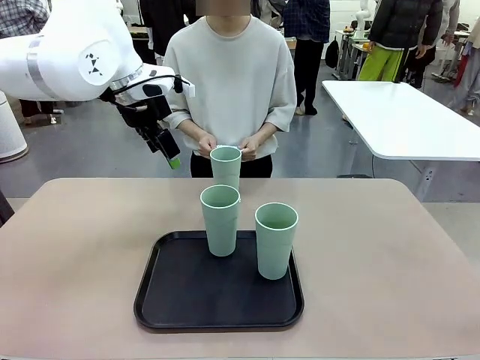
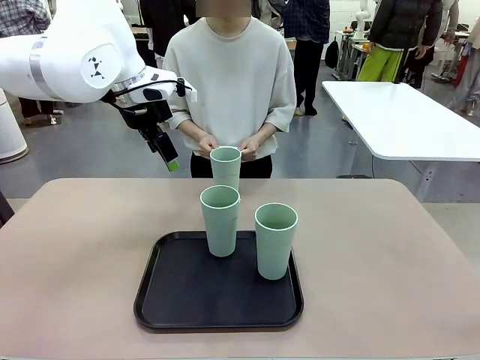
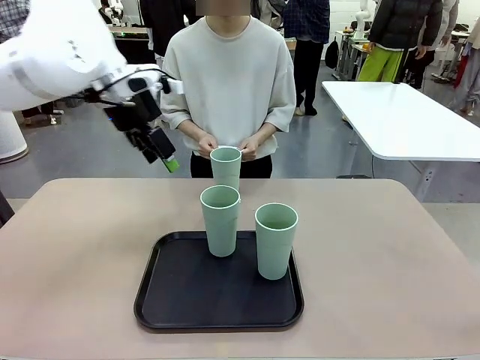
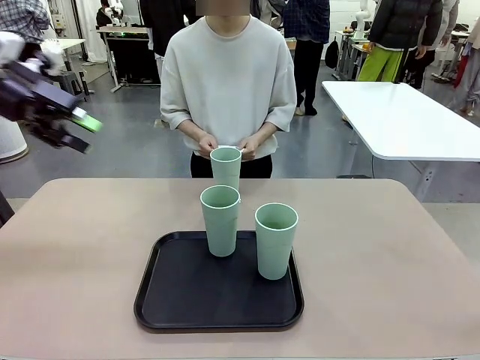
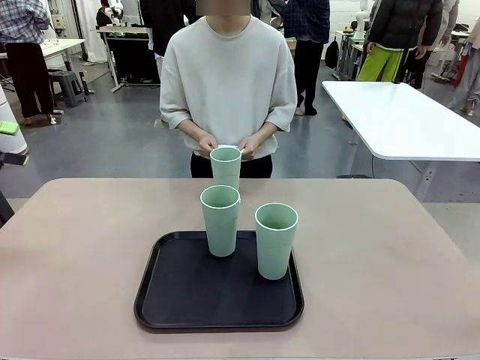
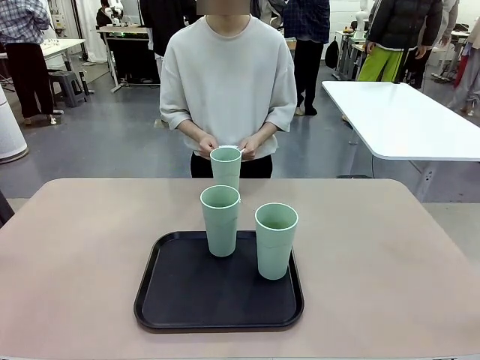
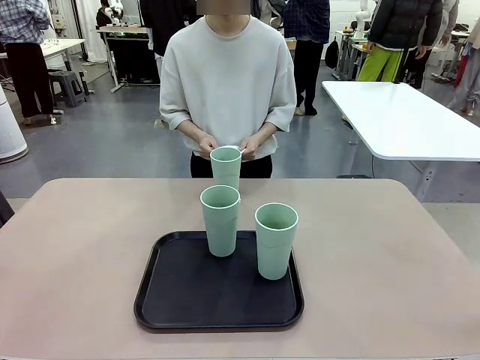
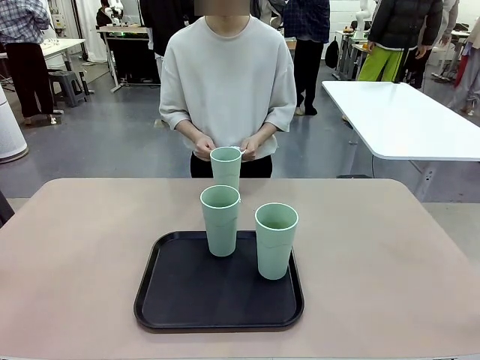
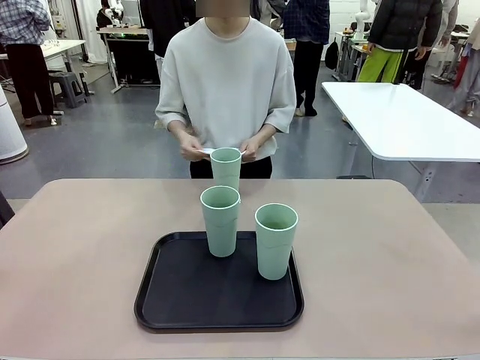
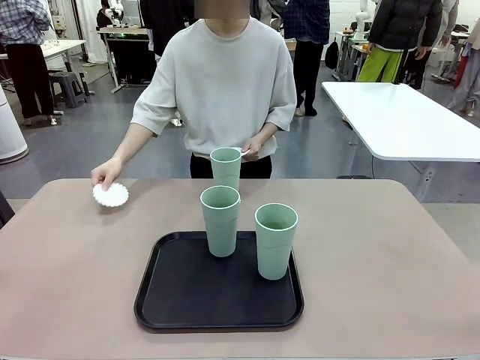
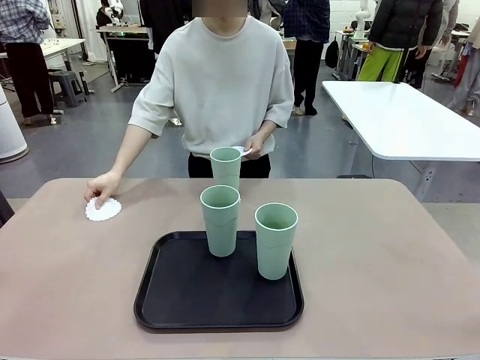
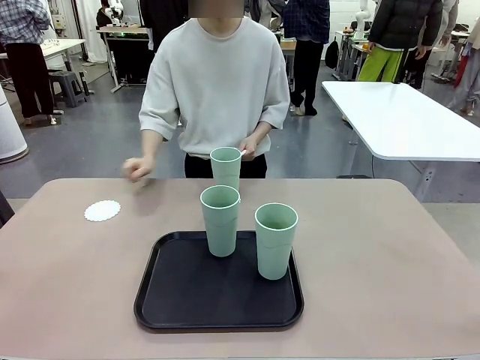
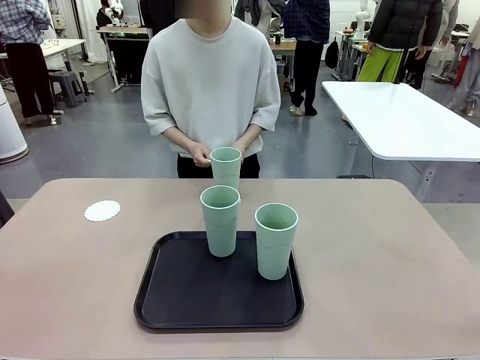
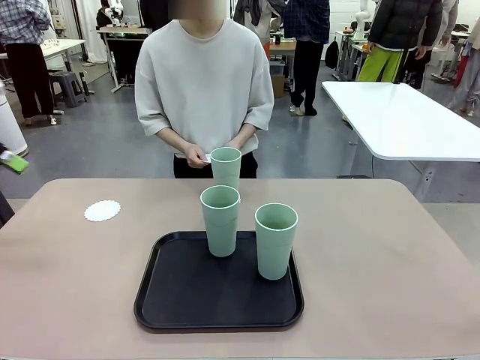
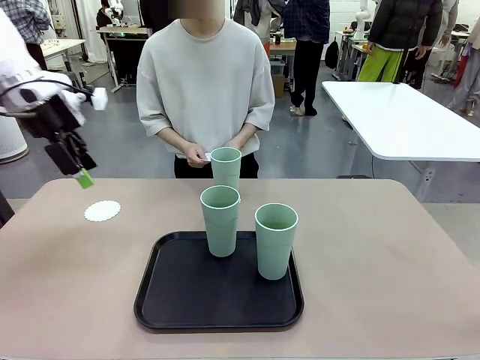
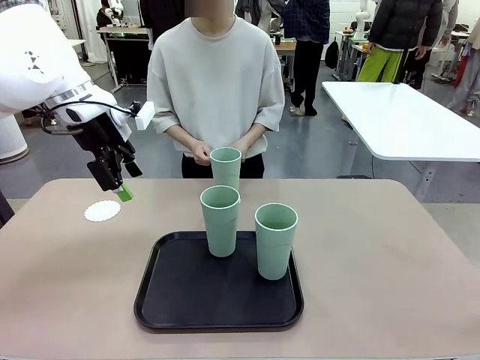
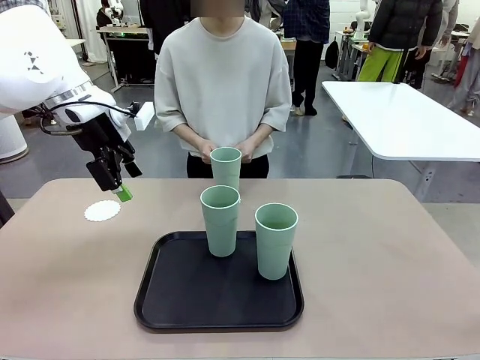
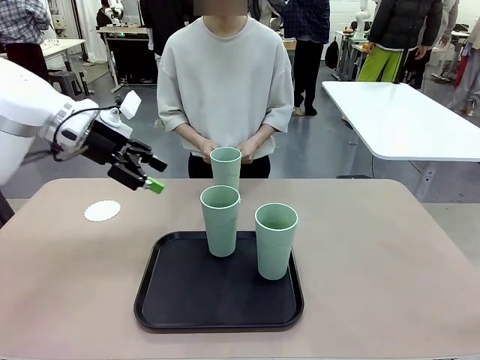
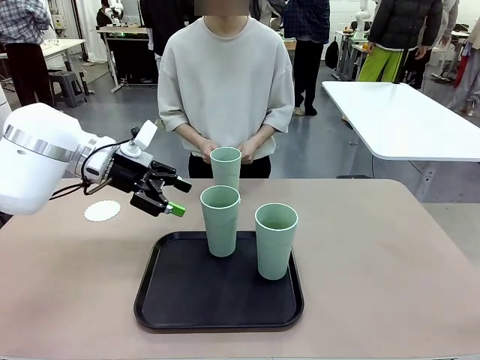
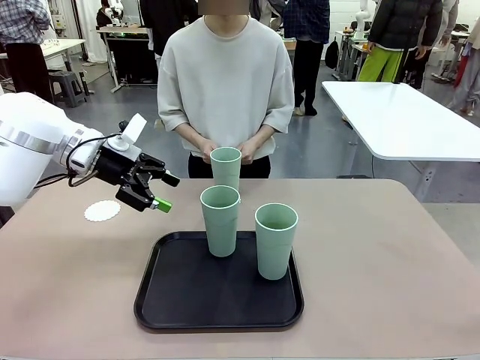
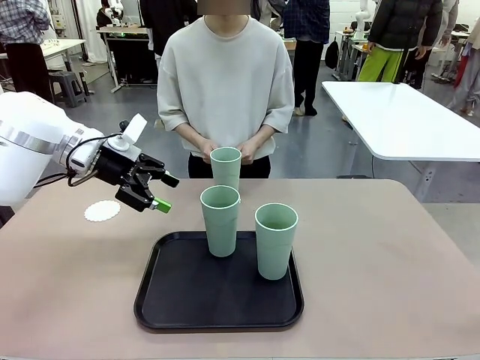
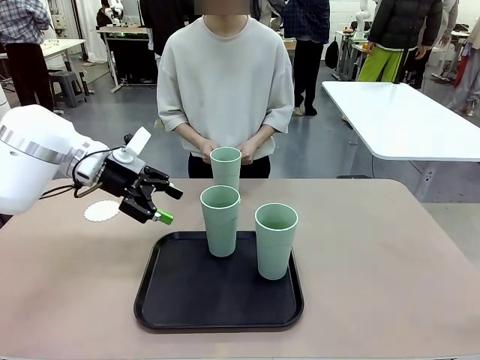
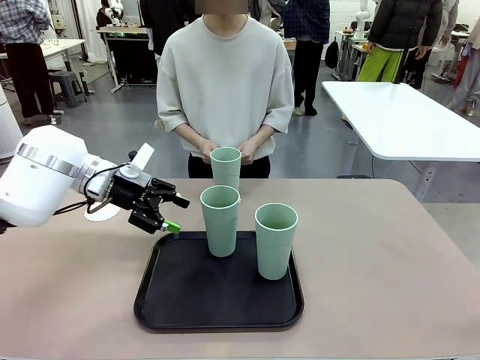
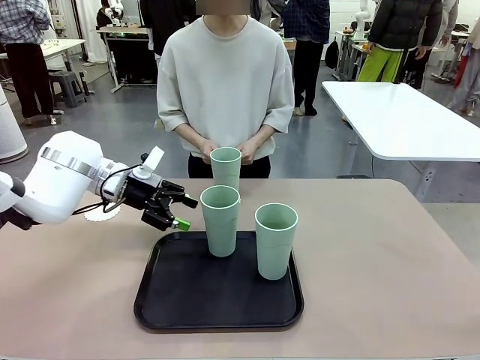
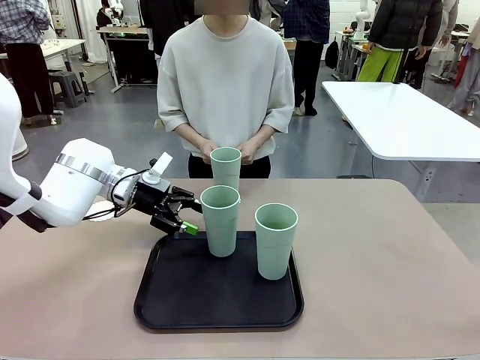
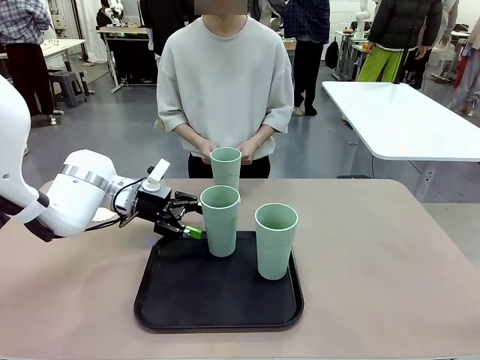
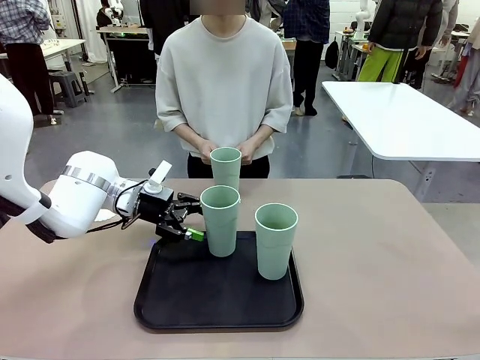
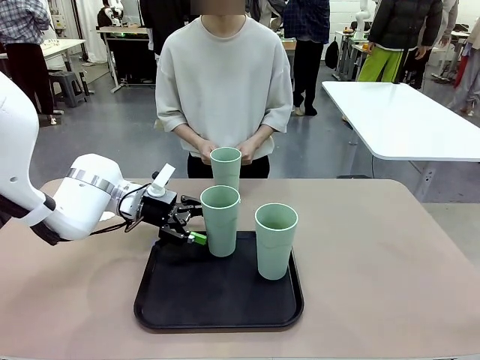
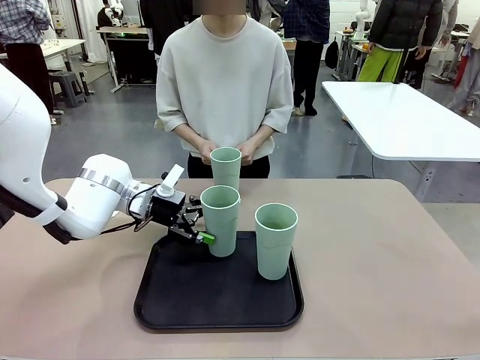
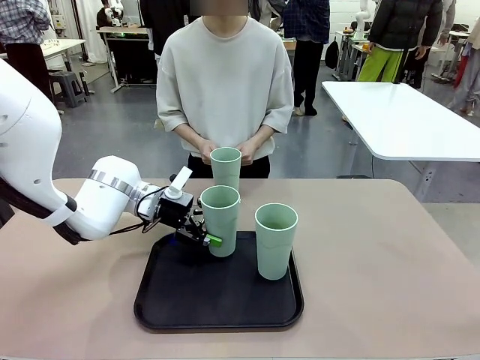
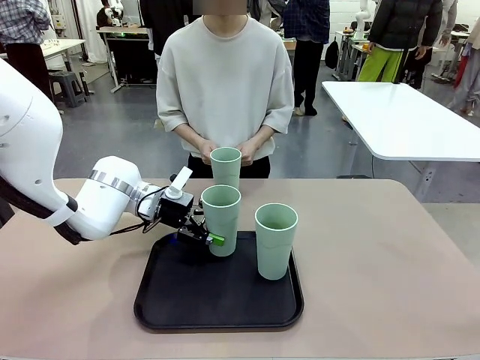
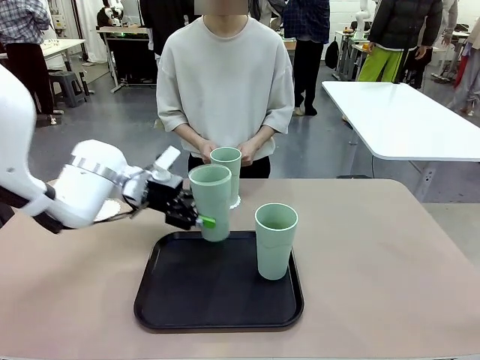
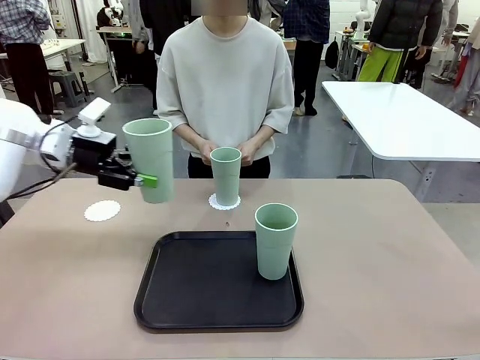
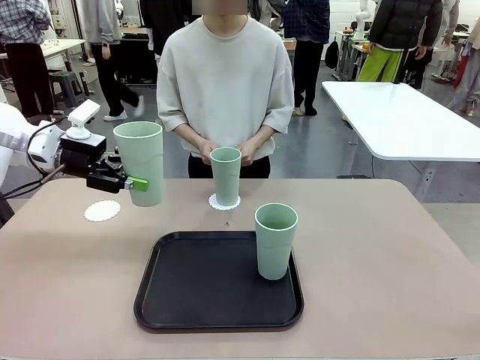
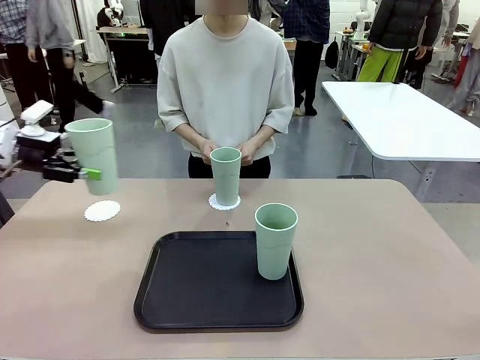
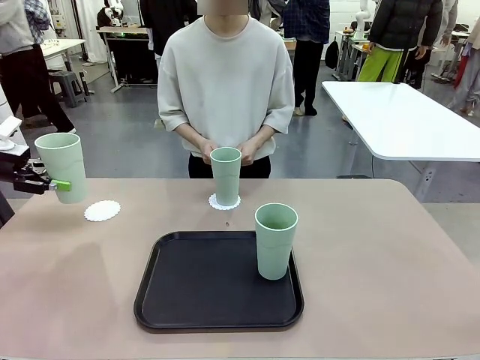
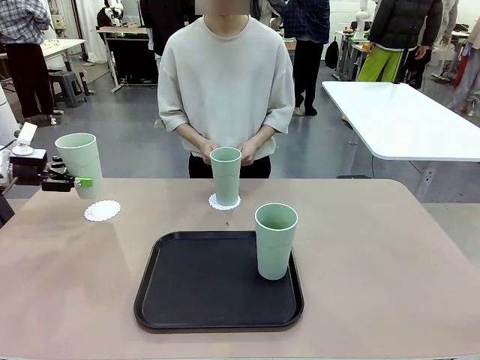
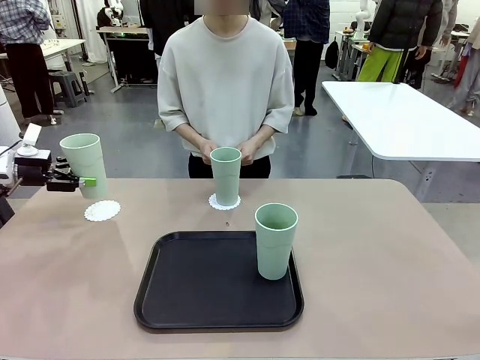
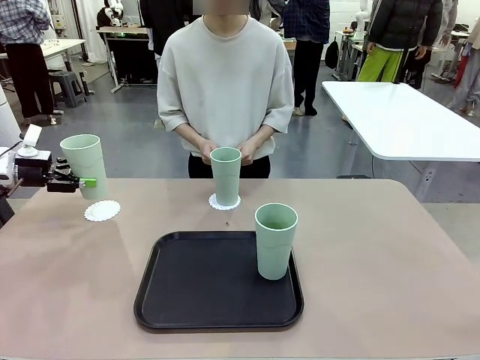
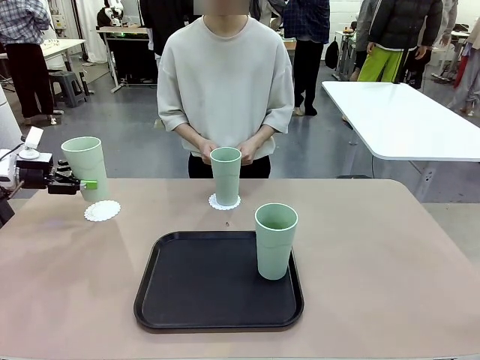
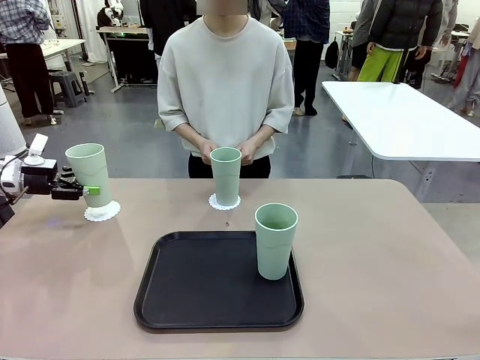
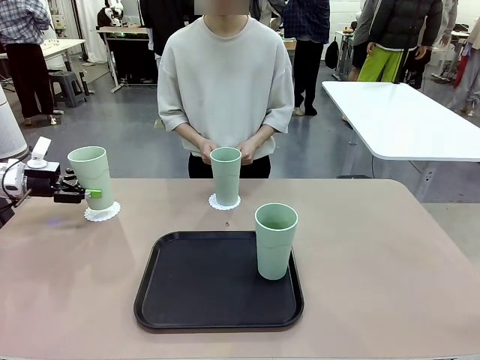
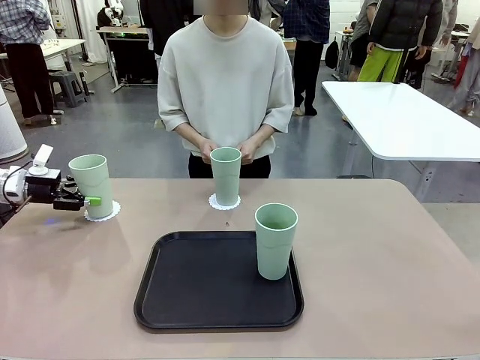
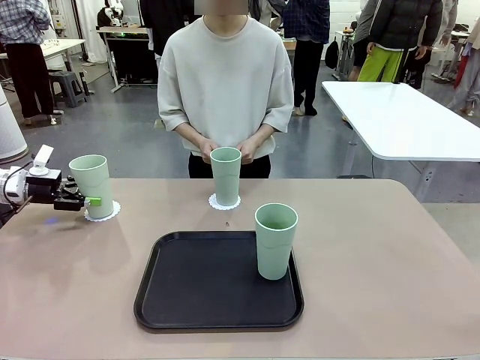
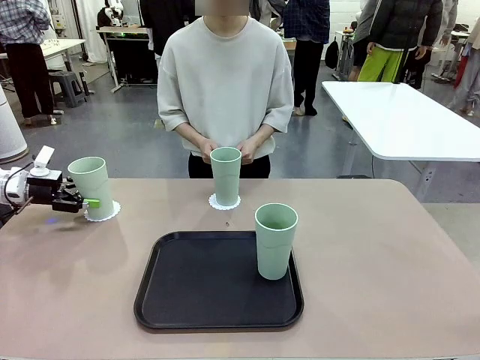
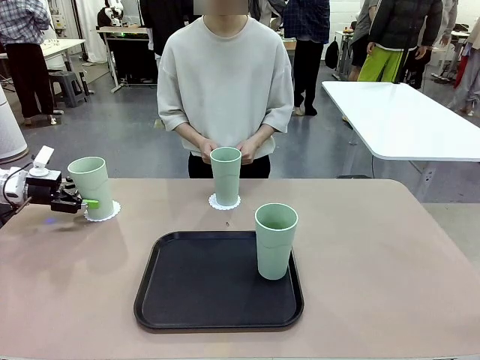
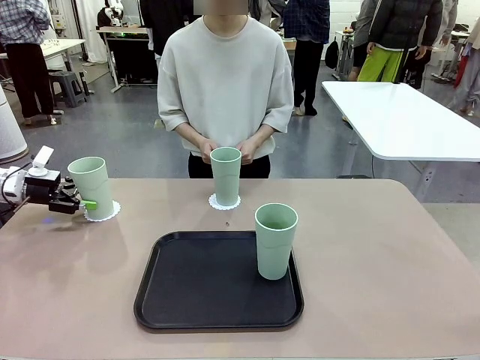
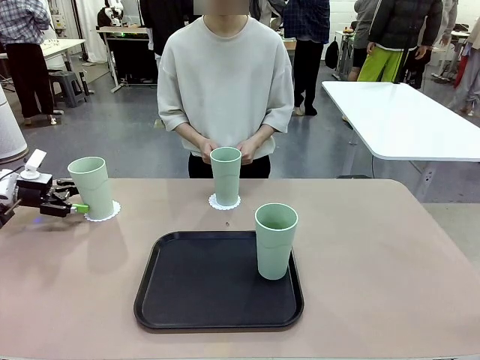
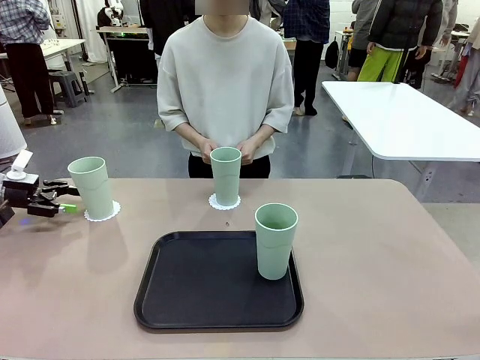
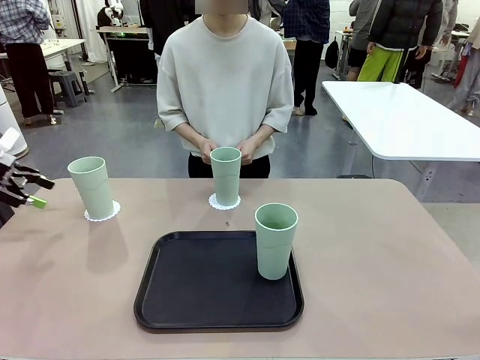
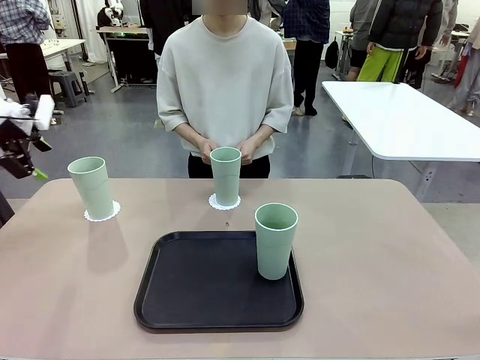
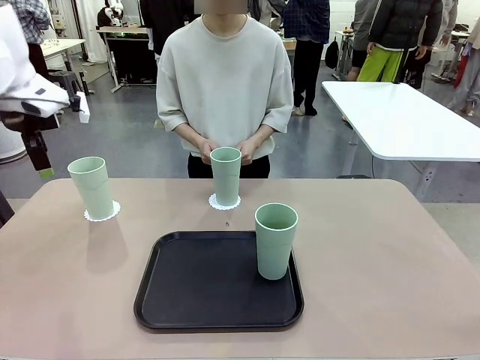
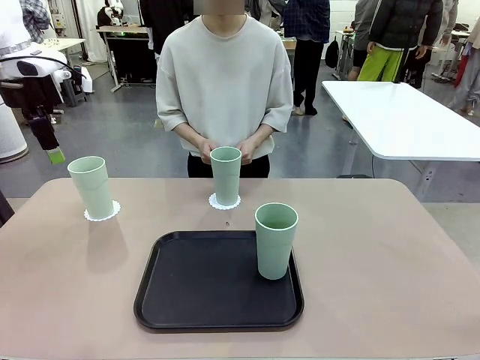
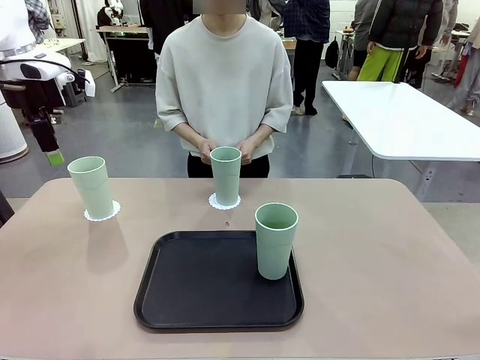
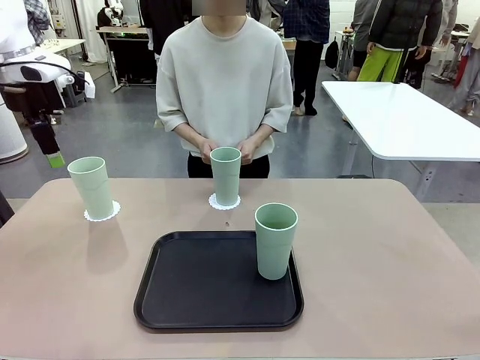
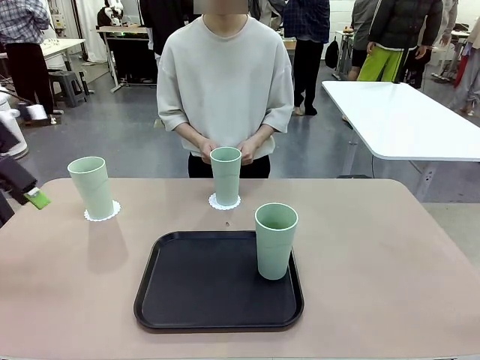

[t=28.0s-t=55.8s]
Task: Place coasters on the table and set cups on them.
Robot: Take one Reusable plastic cup from the Flat Tray and place it on a coaster set by the human.
